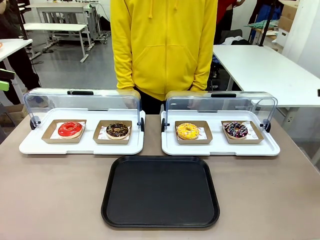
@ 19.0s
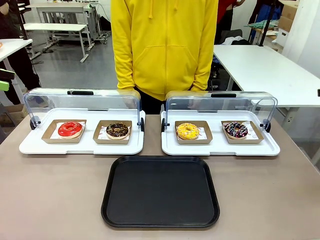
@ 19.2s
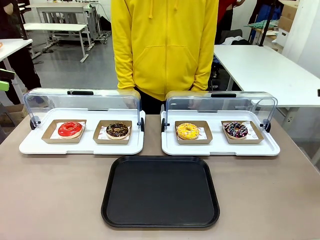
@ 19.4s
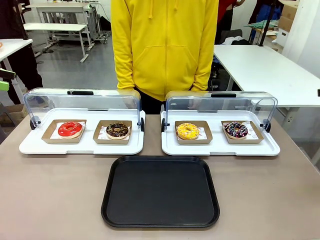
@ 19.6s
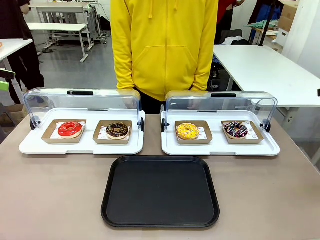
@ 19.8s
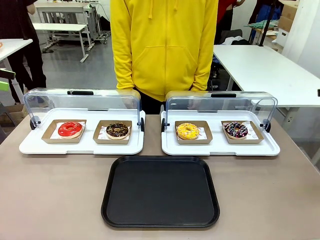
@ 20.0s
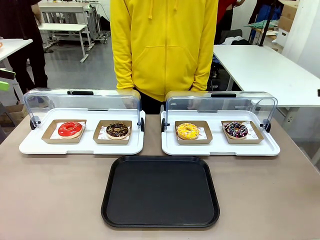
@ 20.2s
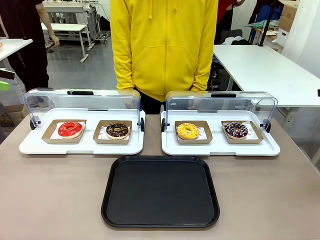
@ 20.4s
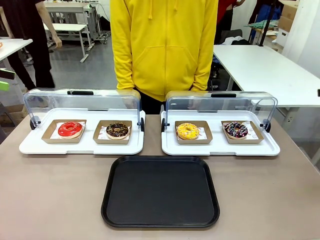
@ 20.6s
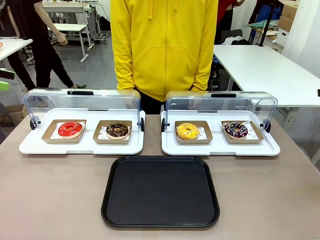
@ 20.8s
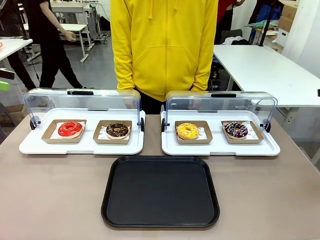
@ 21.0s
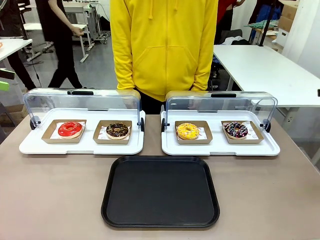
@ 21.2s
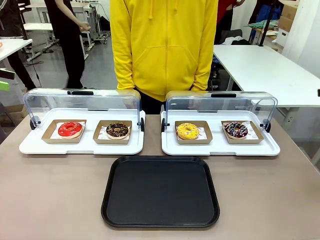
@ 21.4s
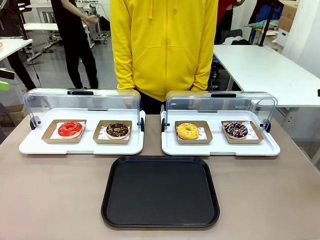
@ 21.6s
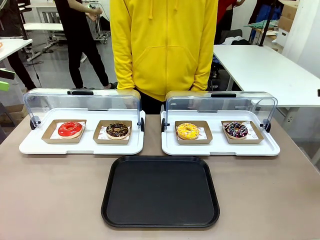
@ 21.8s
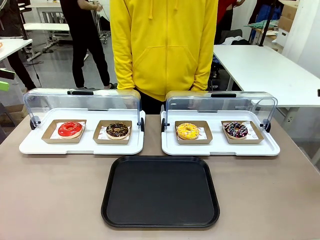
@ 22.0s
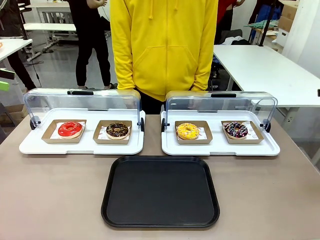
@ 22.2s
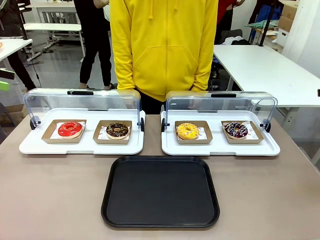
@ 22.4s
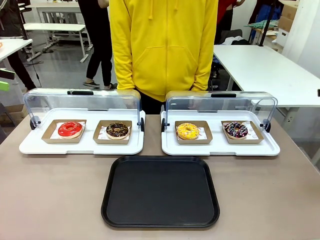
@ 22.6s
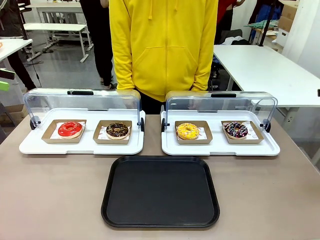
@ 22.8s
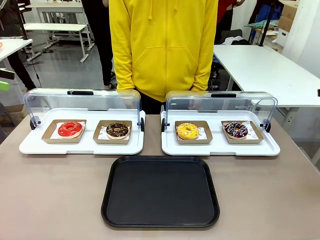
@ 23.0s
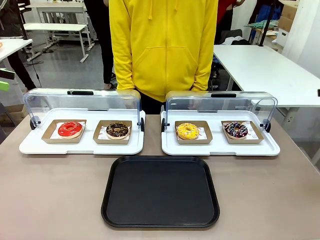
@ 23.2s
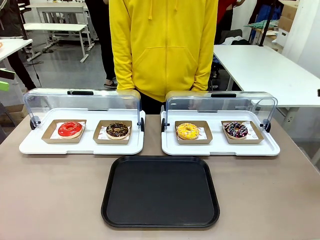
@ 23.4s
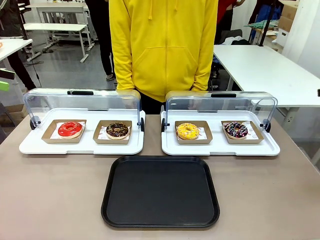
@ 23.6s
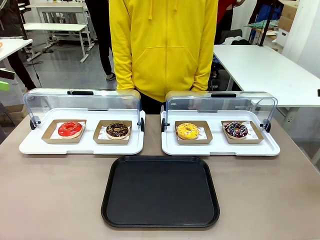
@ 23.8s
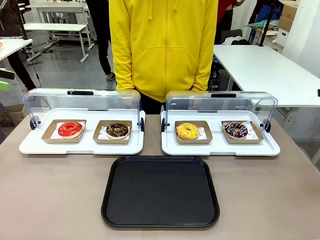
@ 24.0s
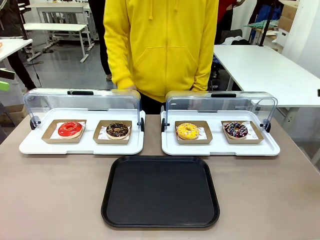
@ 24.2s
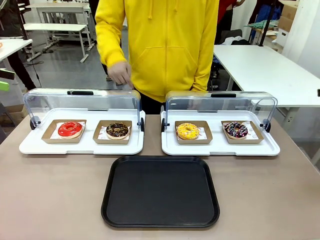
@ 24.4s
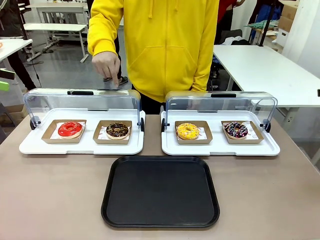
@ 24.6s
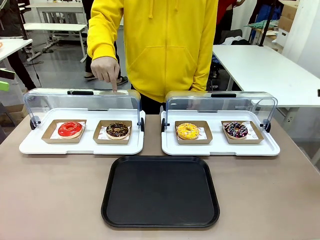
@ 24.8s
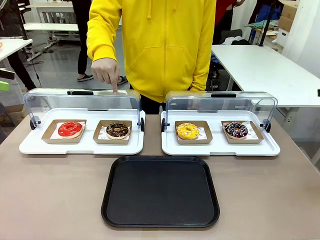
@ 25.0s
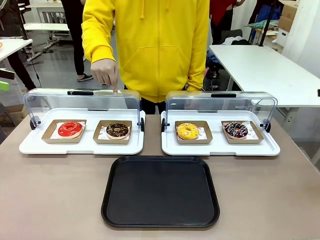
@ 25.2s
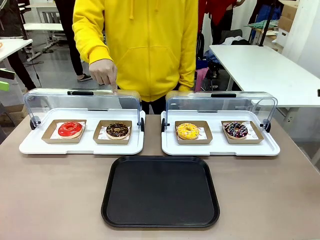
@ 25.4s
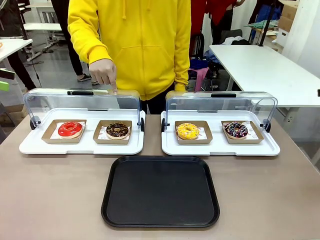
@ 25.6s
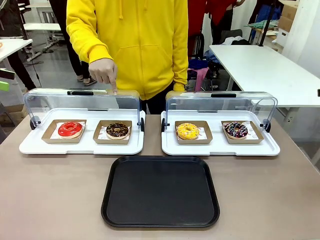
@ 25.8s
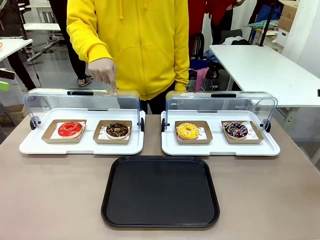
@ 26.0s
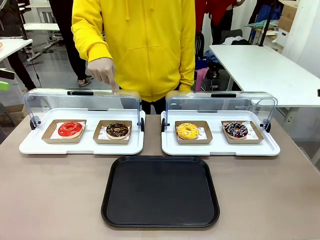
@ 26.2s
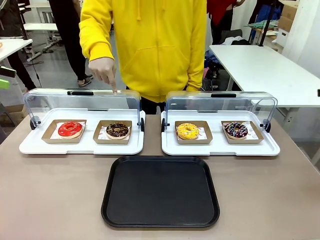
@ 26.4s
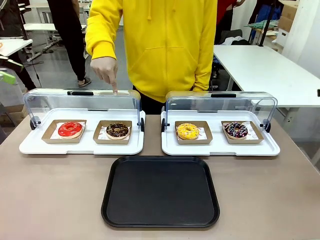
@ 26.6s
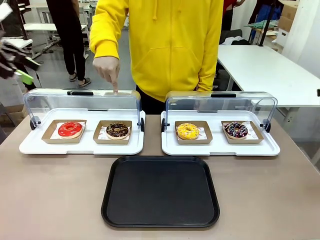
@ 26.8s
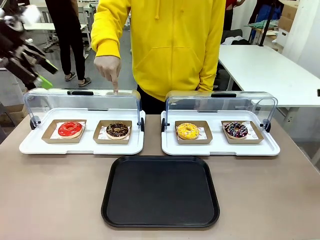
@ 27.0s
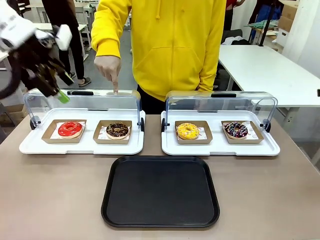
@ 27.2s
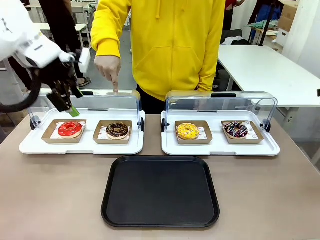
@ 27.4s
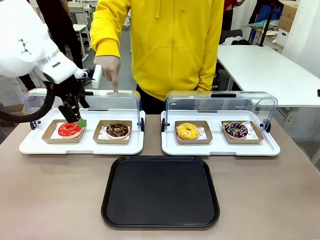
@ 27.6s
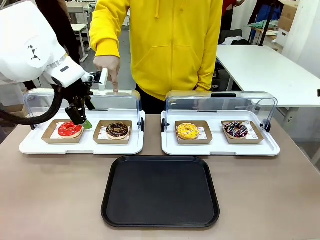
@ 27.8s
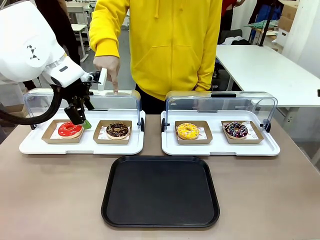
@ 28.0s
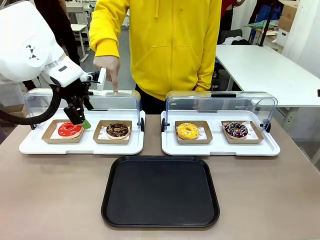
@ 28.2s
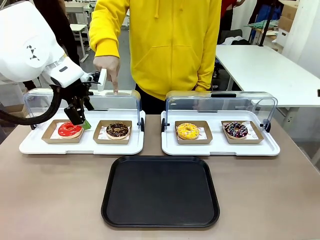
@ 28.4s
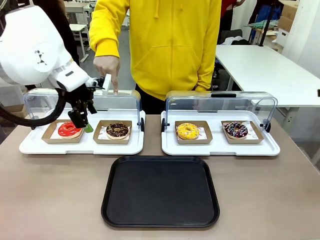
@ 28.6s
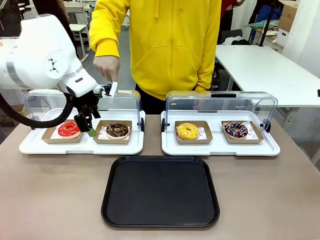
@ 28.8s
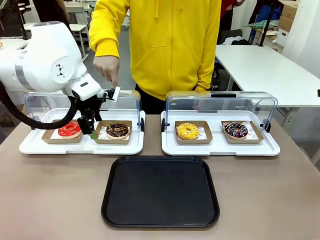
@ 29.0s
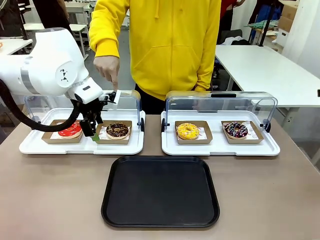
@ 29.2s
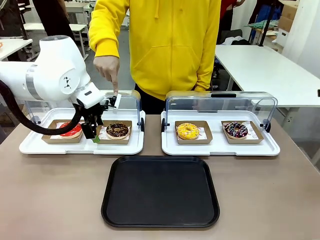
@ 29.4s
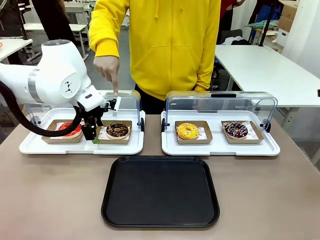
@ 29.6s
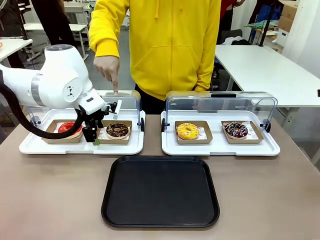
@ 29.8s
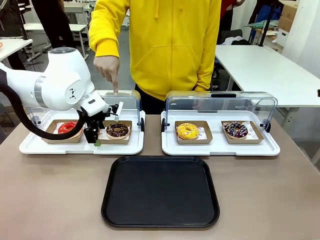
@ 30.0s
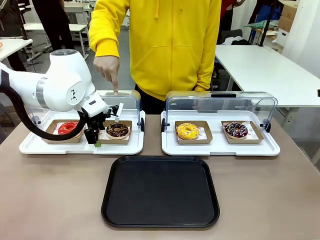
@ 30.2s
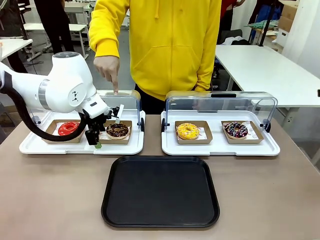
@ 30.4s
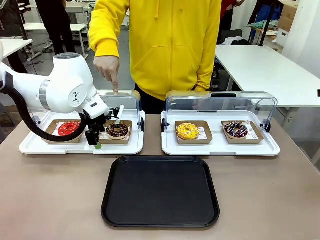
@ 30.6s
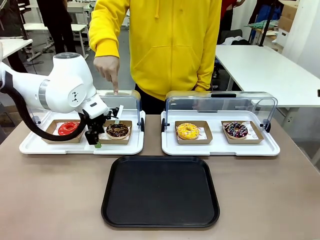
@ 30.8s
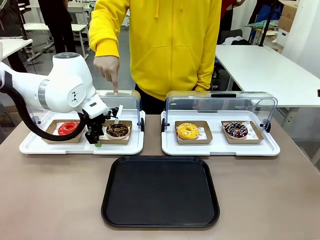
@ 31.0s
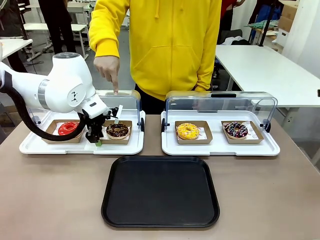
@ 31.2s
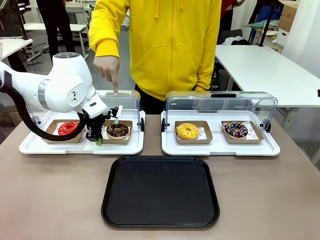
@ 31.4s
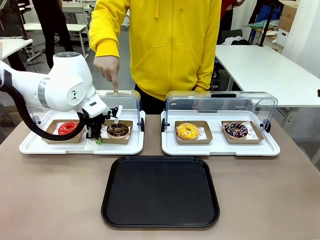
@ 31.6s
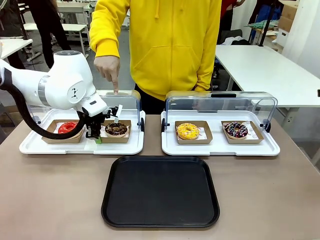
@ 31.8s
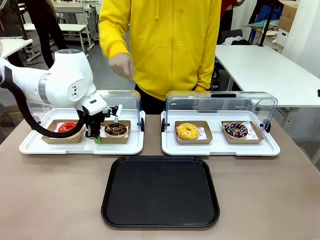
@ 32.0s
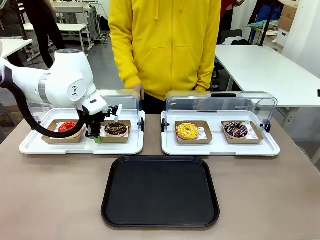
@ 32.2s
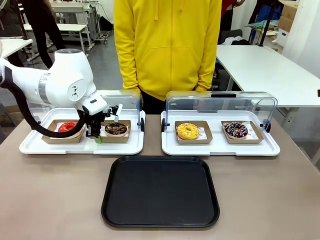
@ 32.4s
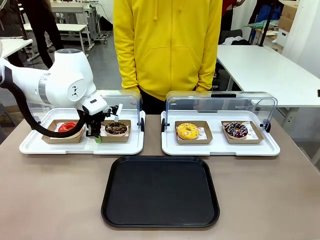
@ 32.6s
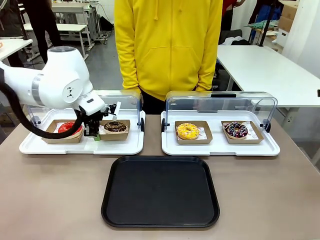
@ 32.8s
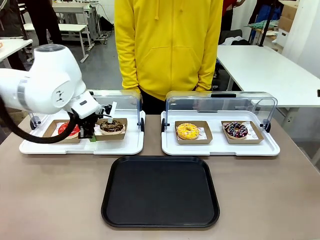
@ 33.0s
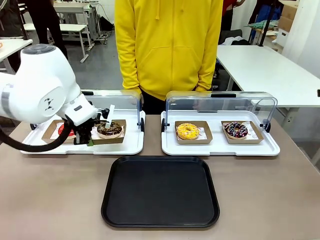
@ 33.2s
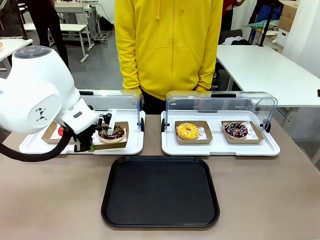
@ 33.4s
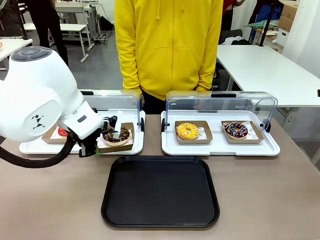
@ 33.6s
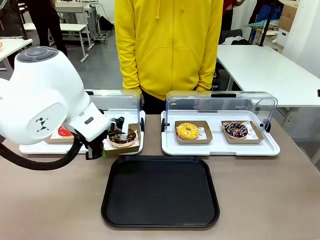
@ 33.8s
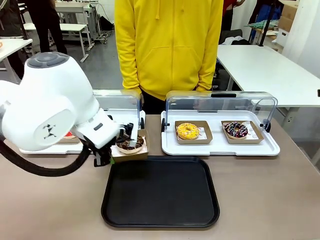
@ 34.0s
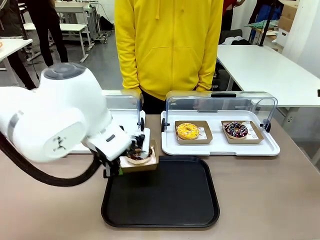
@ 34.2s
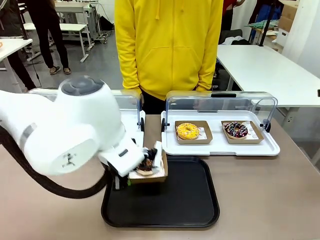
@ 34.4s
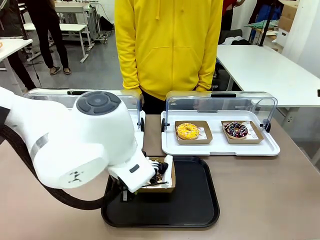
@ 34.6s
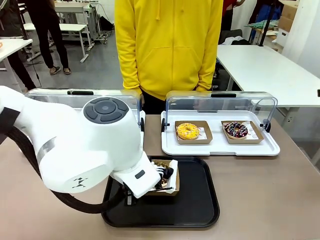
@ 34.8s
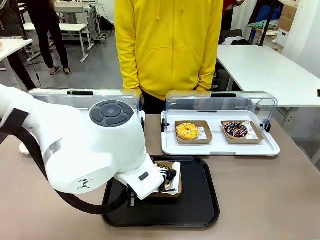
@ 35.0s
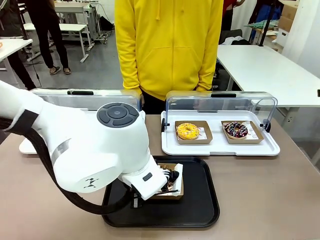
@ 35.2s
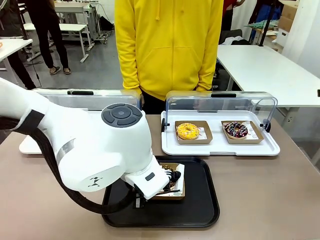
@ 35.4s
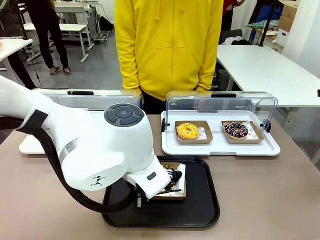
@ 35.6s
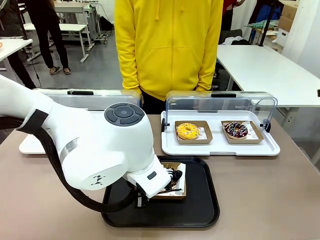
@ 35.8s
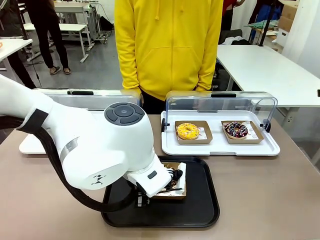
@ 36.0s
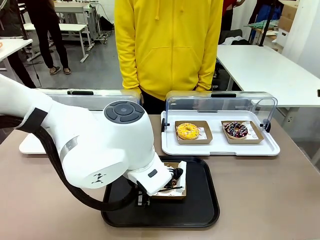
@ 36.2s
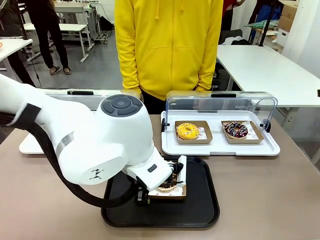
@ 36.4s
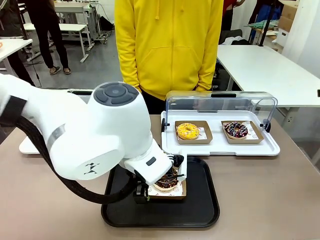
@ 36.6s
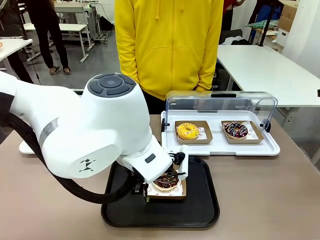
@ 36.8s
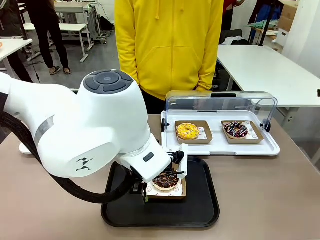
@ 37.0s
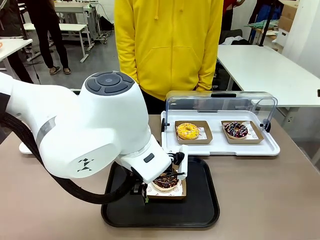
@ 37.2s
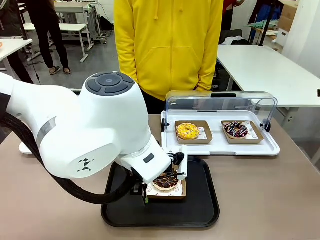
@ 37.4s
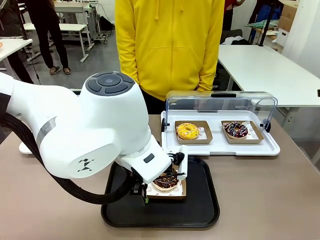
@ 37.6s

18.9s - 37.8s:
Task: Move the second donut from the left to the tray.
Robot: Pick up the Paper togo box containing the Donut indicated by the person and place it on the Handle tray.
